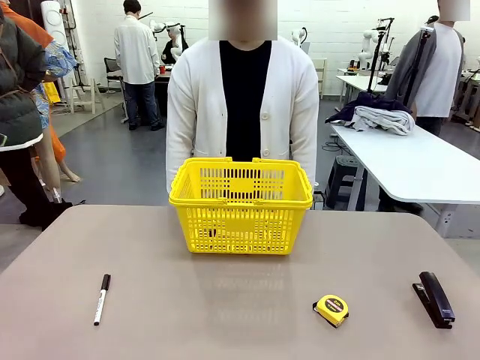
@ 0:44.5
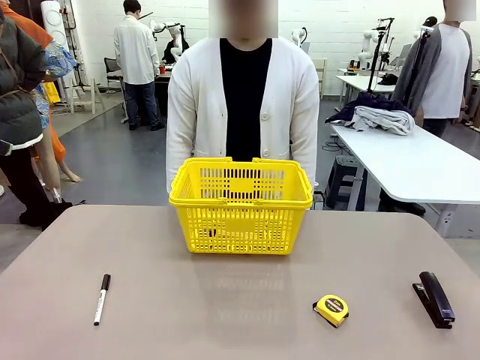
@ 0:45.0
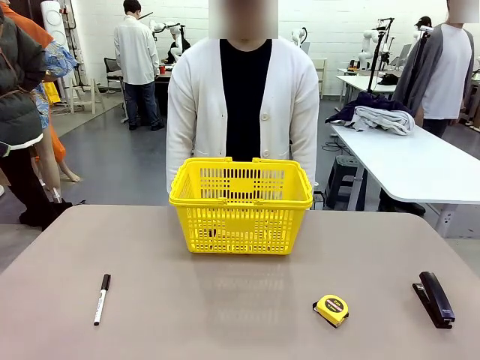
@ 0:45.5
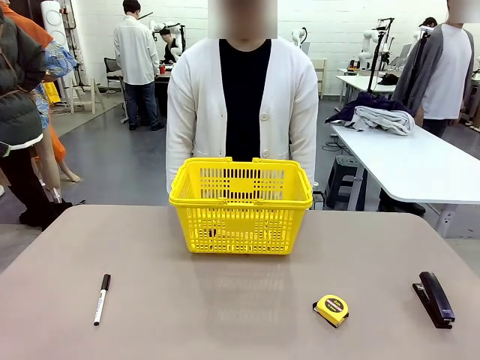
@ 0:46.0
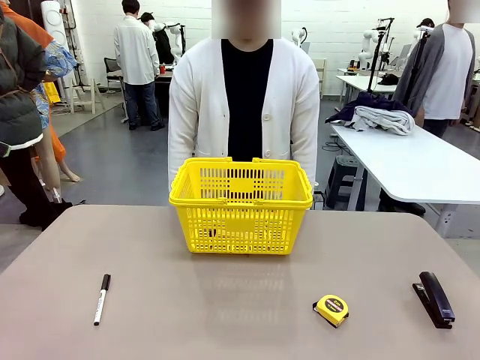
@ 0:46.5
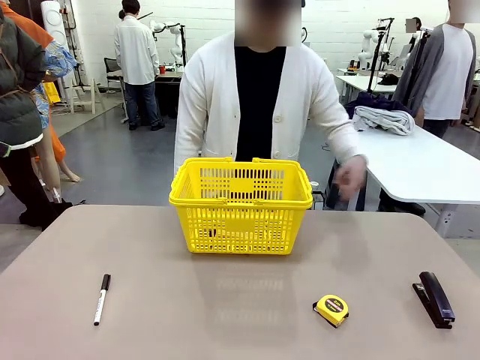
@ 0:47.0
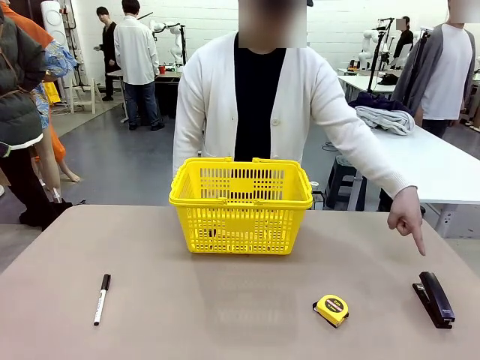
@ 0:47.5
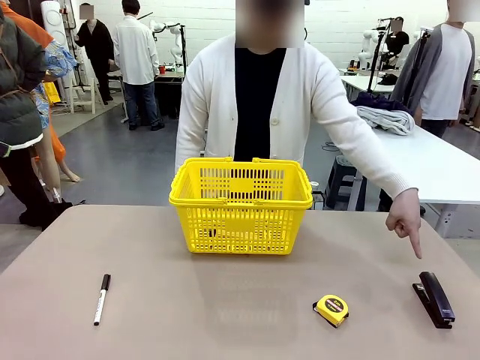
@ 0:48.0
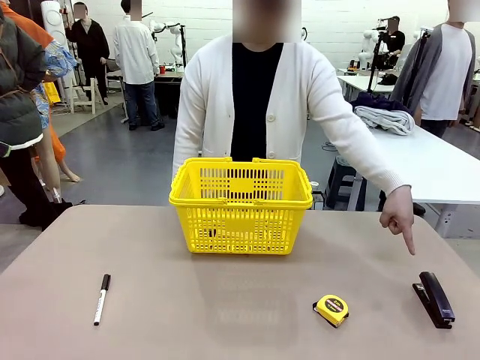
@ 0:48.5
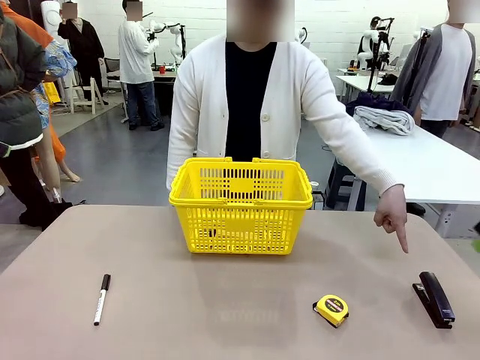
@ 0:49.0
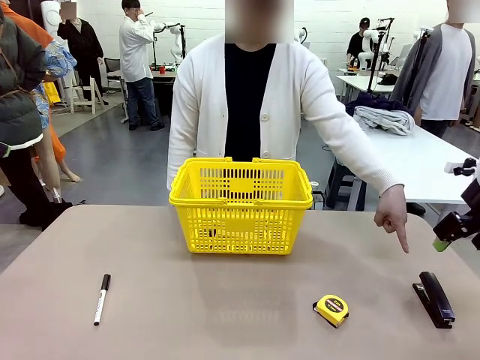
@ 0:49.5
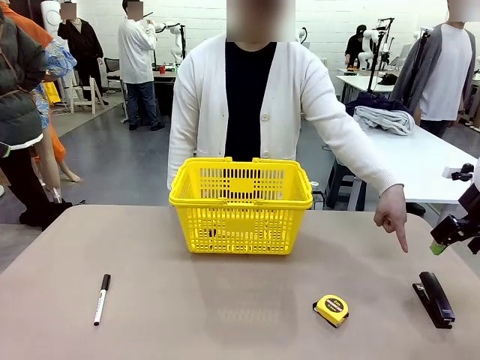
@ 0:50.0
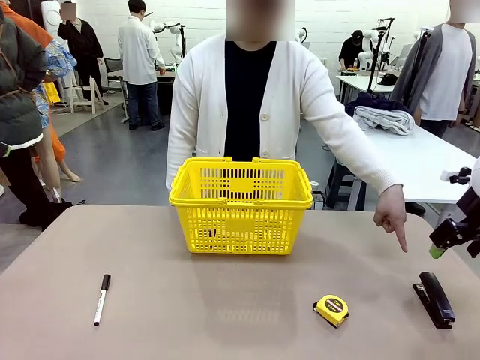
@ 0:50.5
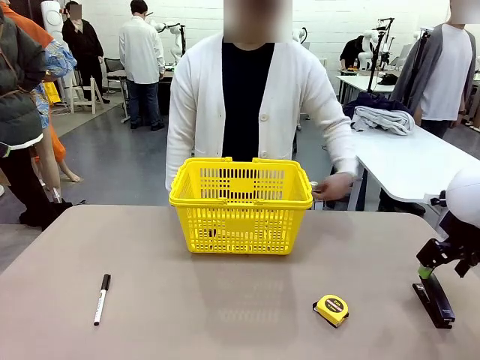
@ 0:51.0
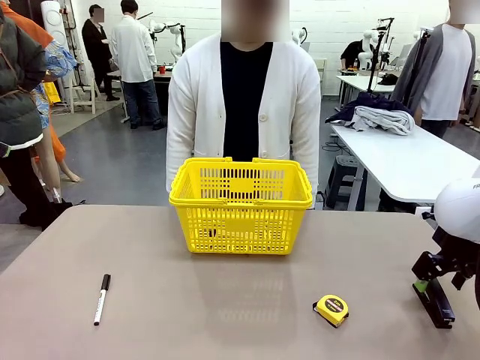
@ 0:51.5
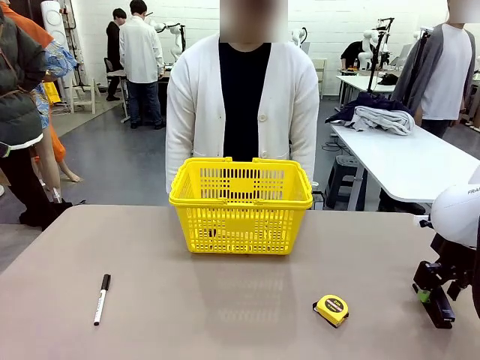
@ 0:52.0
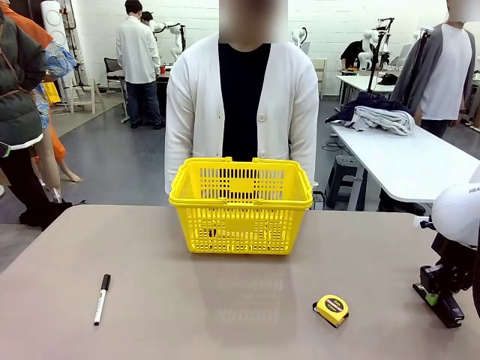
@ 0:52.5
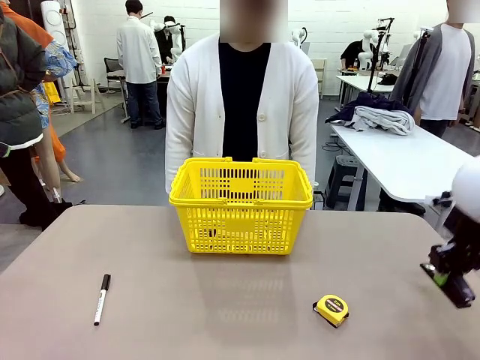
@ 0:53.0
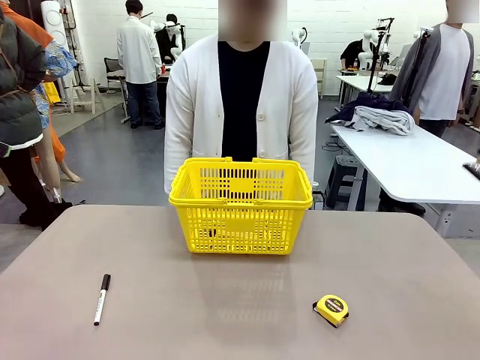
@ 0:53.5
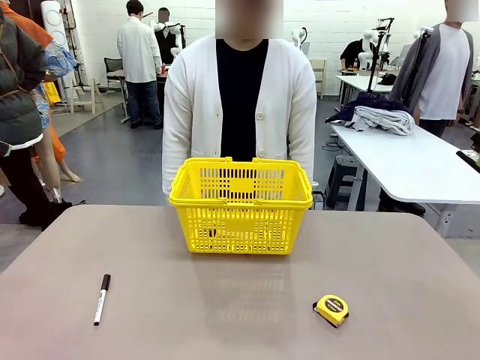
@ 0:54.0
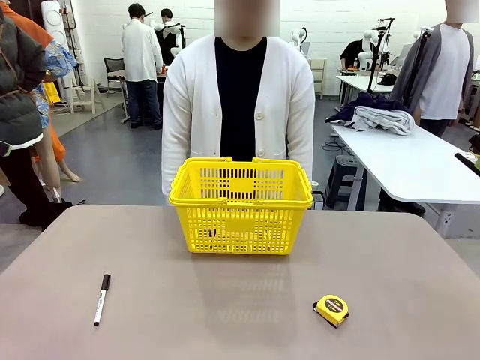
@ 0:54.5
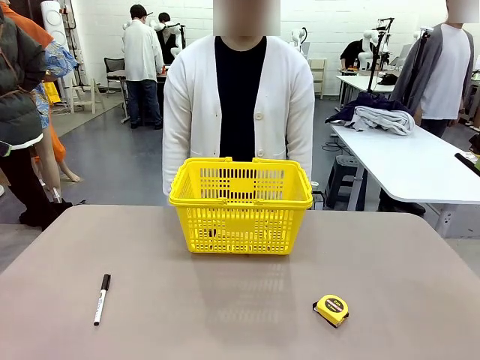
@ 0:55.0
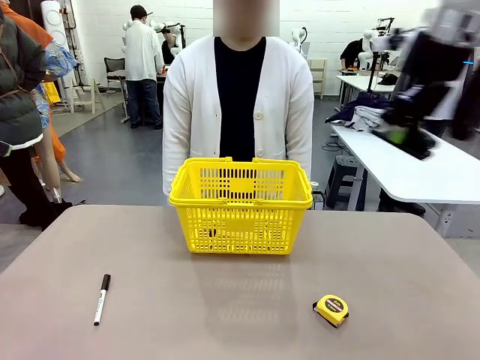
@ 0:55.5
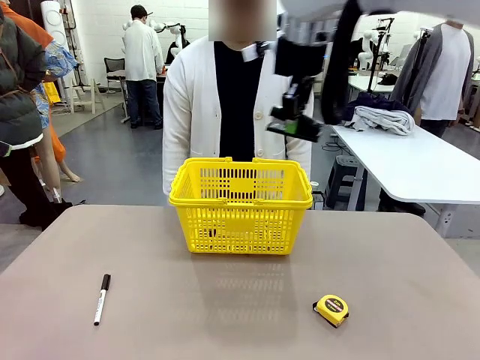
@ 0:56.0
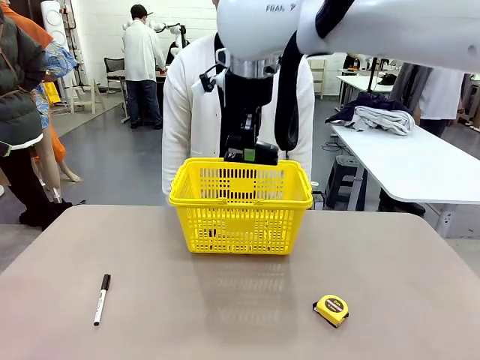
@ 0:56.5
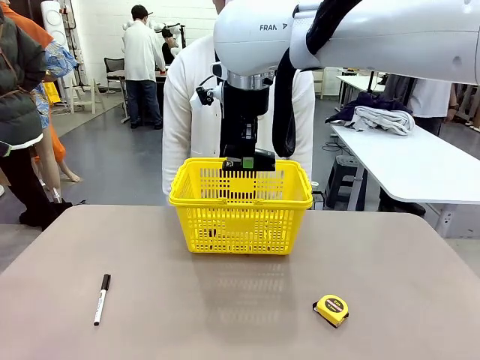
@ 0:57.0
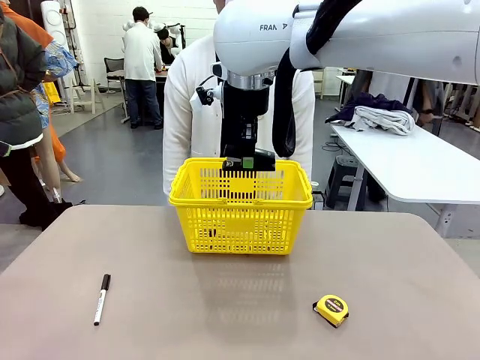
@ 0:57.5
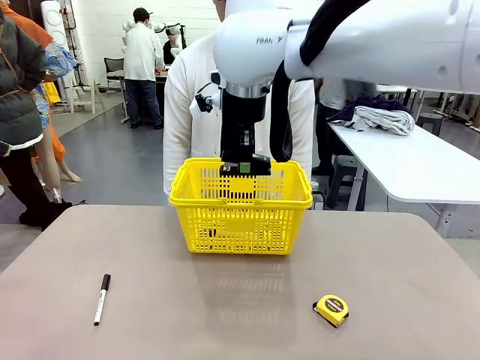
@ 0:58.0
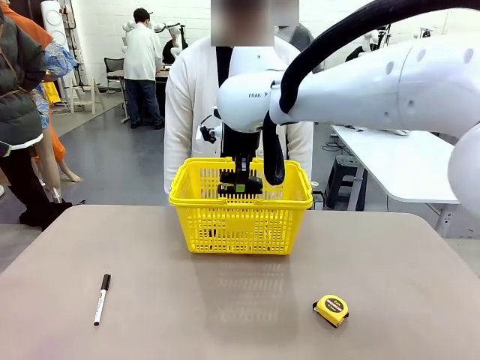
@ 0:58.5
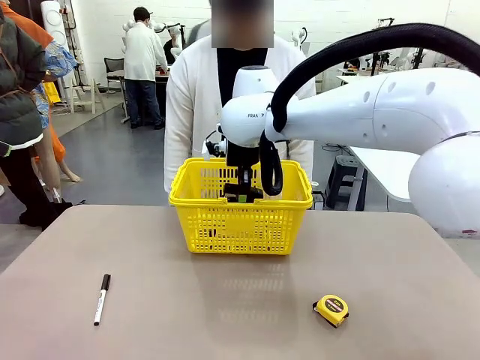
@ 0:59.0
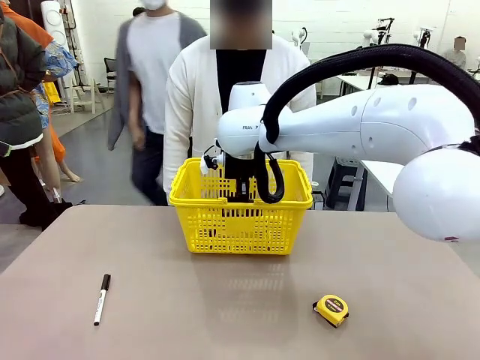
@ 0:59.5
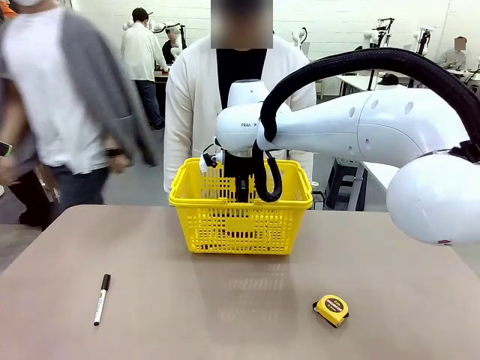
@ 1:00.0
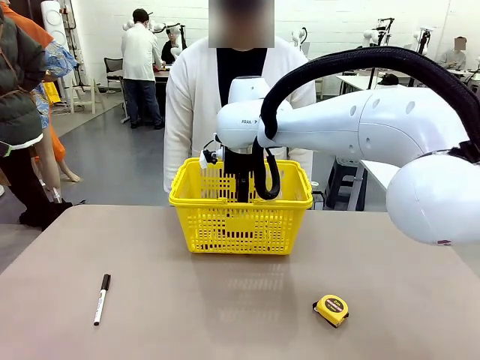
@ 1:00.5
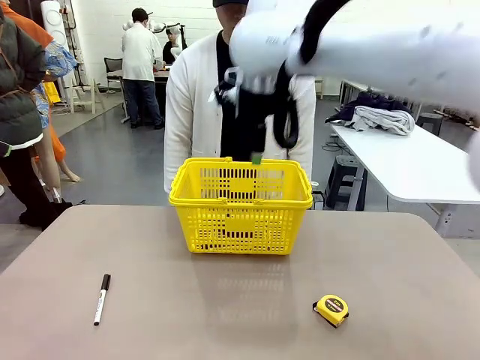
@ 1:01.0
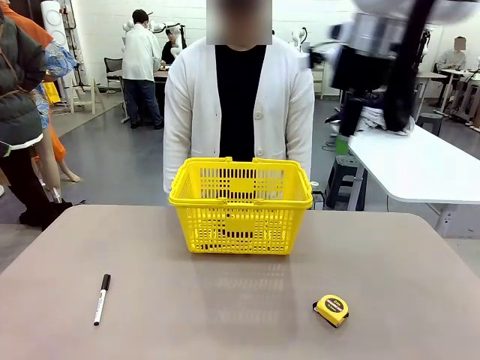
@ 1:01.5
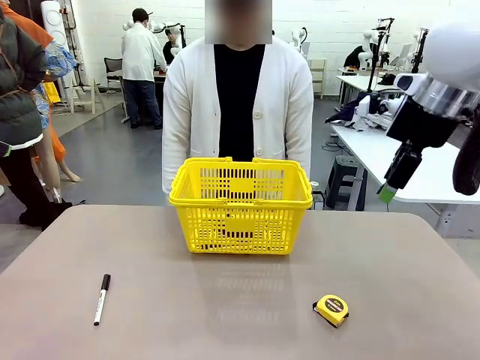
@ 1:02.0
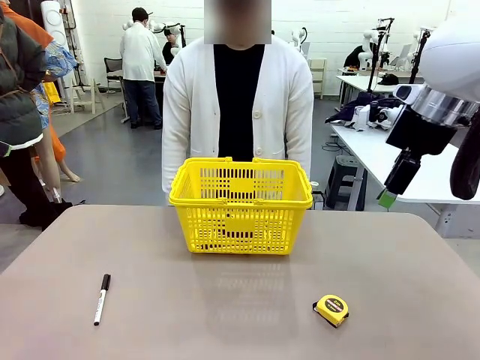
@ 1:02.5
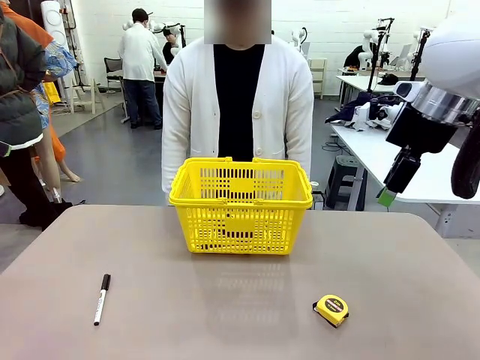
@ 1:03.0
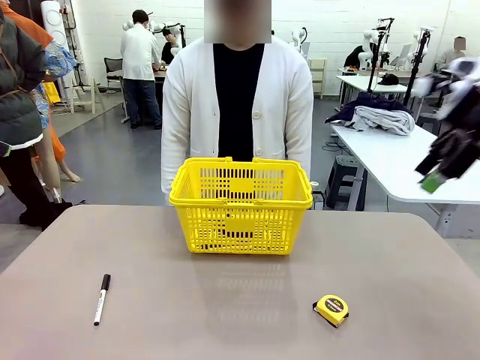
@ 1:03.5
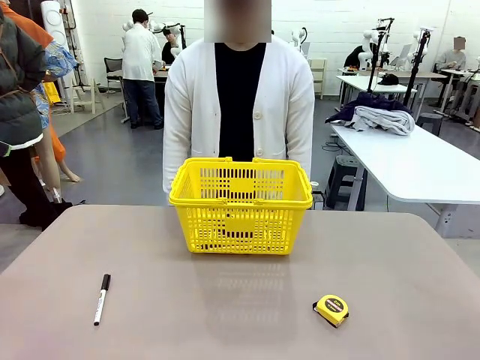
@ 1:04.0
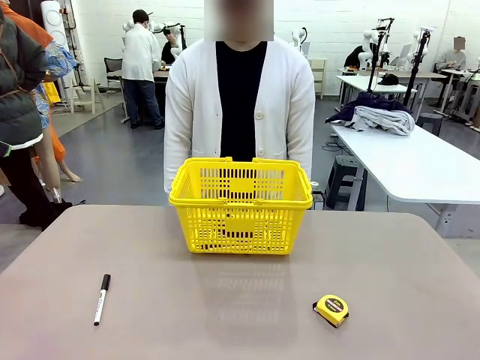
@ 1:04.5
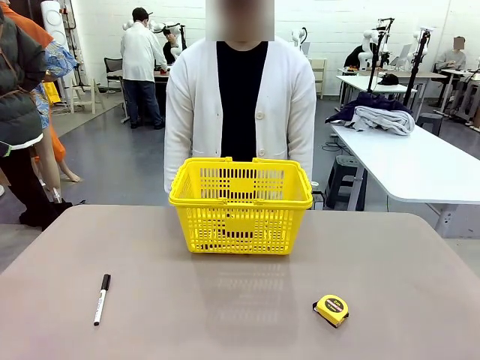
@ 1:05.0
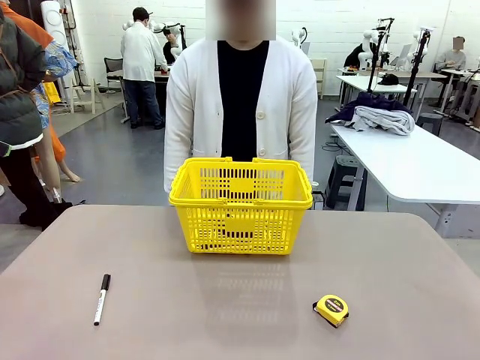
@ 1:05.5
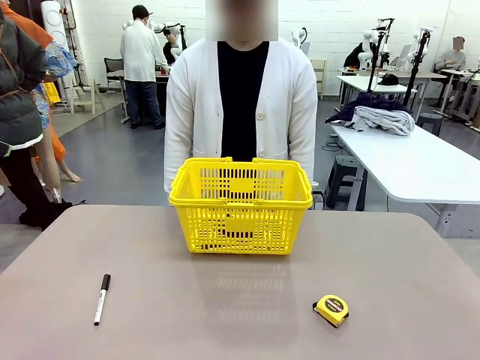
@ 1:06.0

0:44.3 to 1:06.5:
Task: Place the items the person wants into the basket.
Robot: Pick up the item the person points to and place it in the Market Basket.

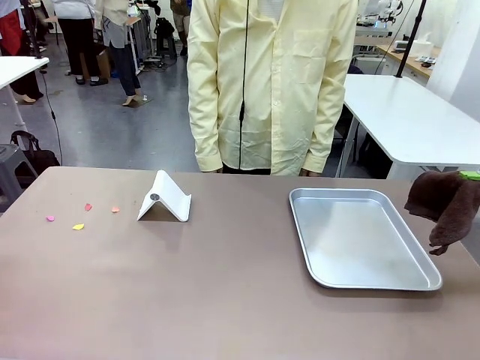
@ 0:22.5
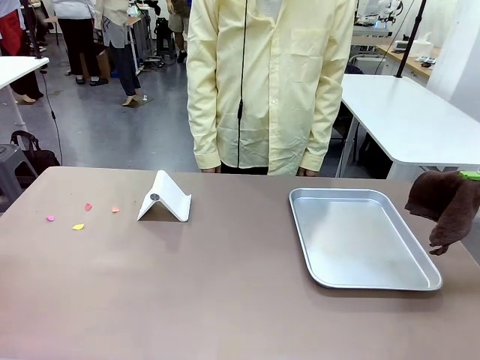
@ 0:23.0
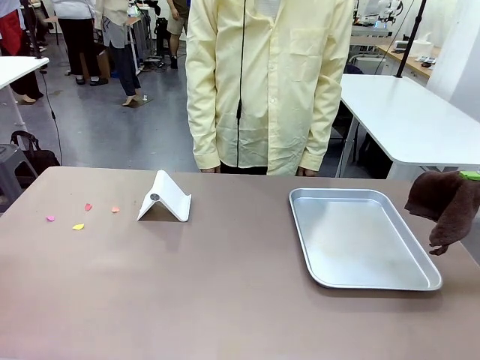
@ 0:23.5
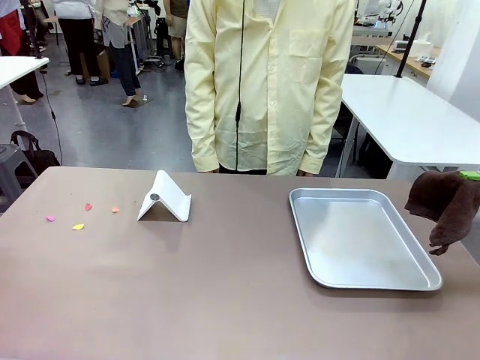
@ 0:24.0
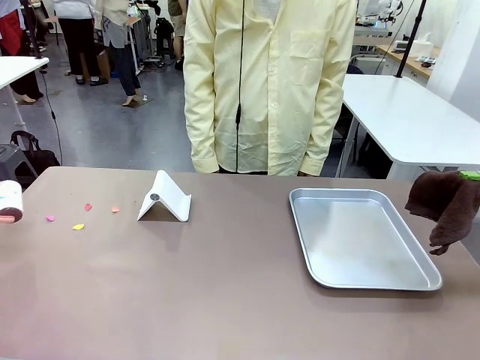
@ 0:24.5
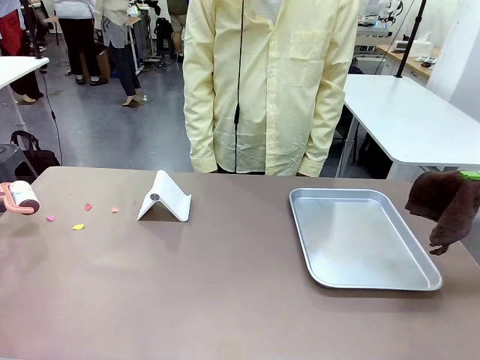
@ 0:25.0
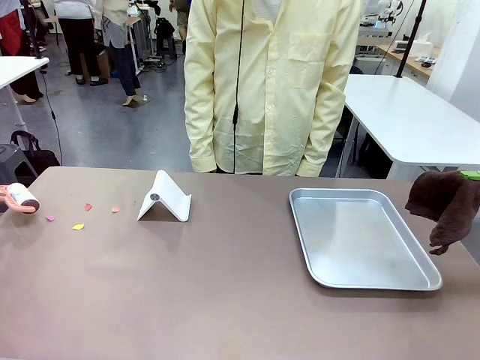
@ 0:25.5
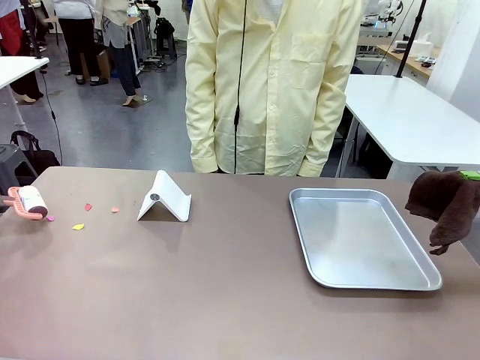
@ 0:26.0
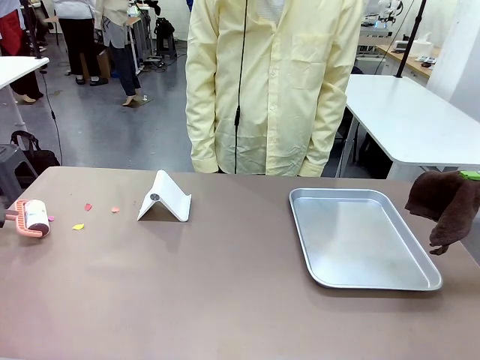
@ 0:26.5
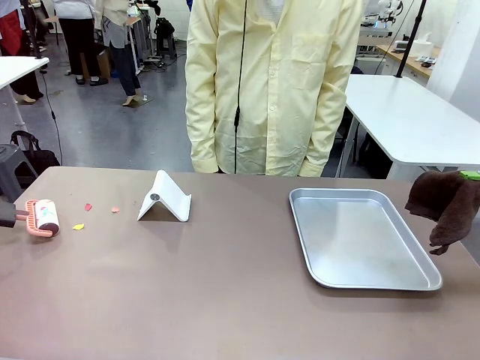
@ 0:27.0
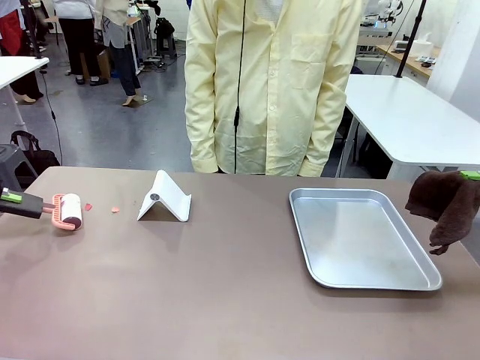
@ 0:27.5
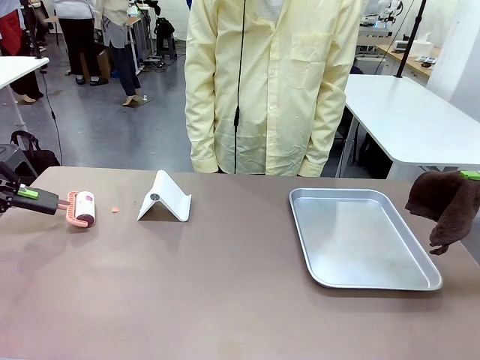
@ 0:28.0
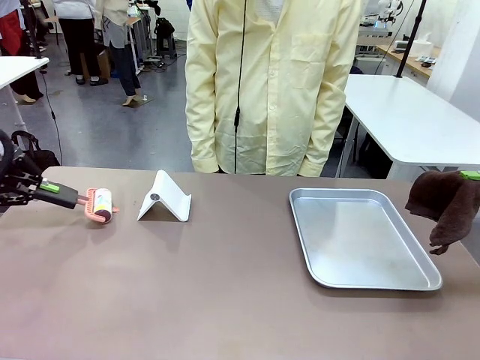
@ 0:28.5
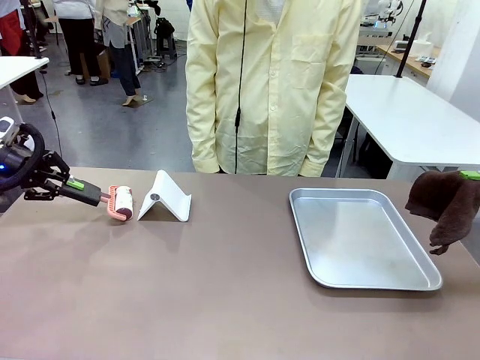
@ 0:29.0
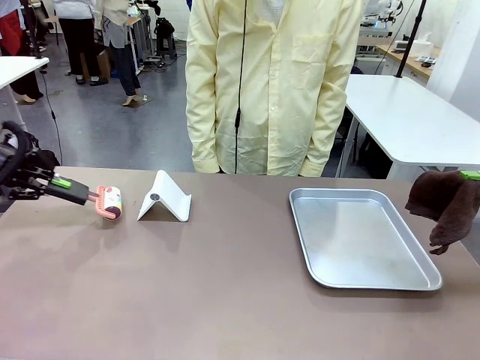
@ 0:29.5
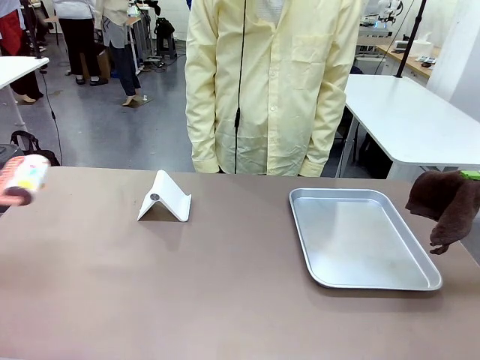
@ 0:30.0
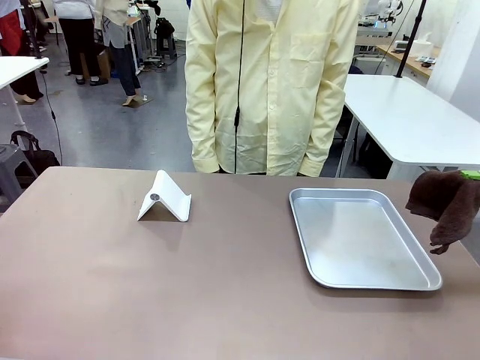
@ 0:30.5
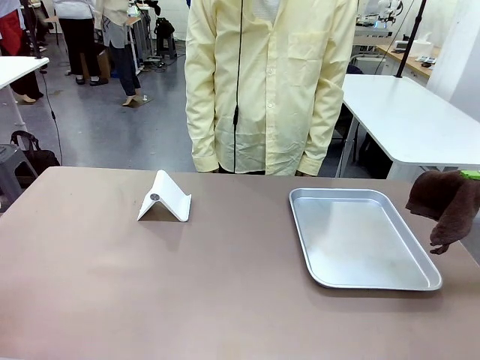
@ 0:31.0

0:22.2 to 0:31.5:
Task: Clean the surface of the table.
Robot: Clean the area not pointed to by the person.
